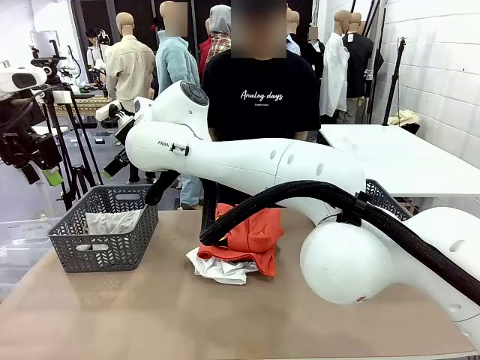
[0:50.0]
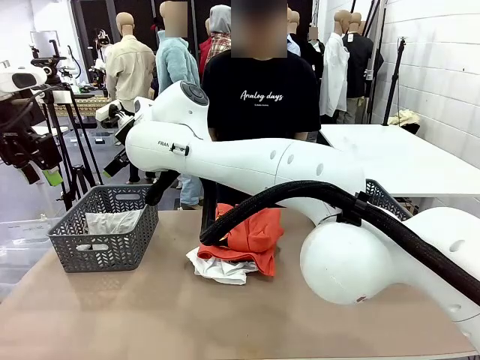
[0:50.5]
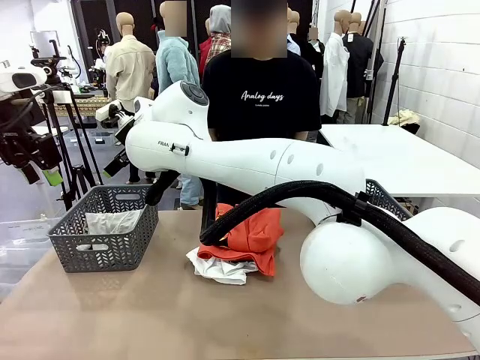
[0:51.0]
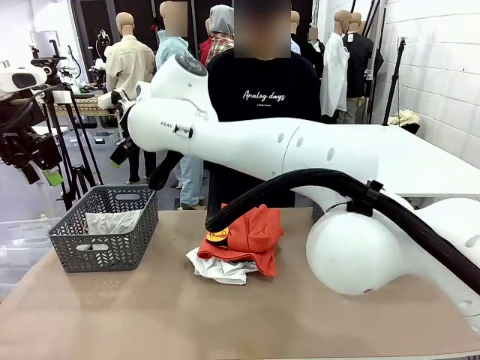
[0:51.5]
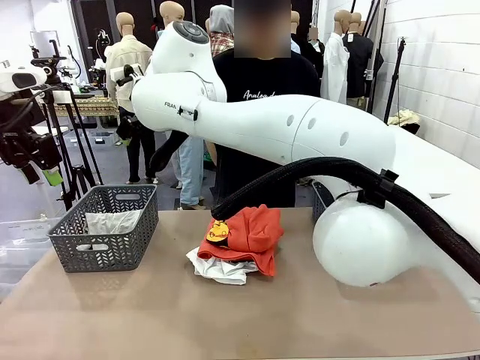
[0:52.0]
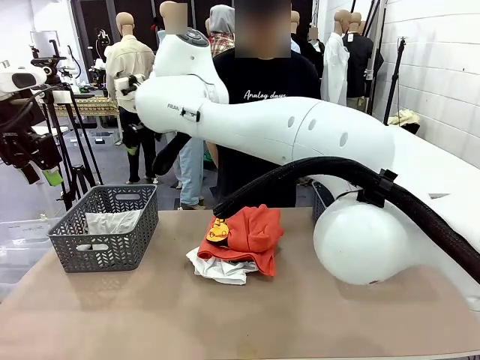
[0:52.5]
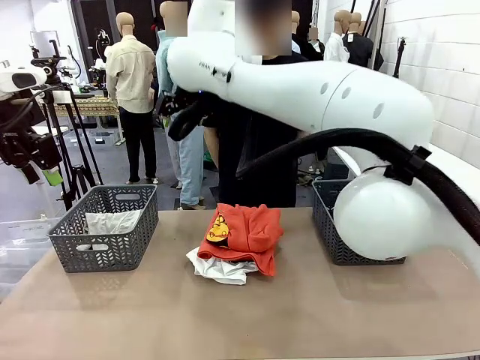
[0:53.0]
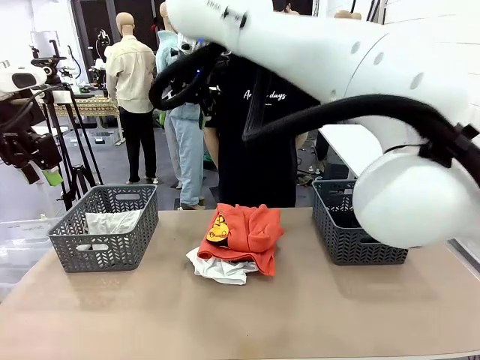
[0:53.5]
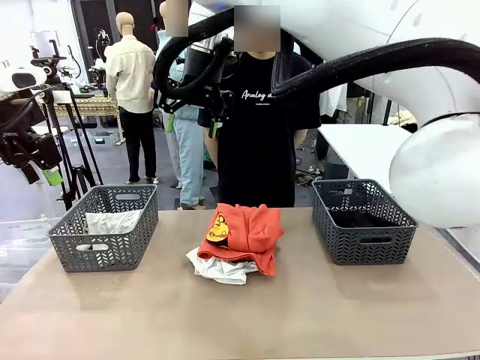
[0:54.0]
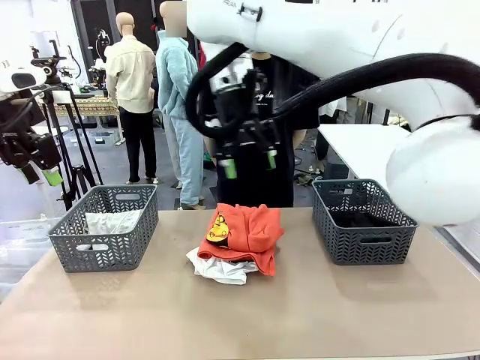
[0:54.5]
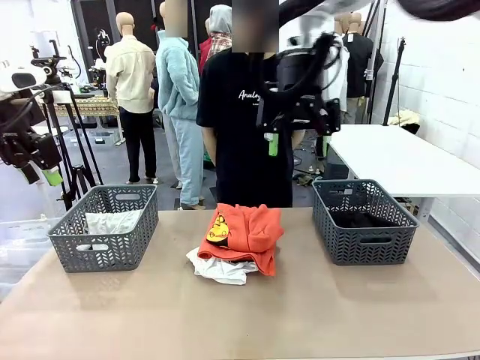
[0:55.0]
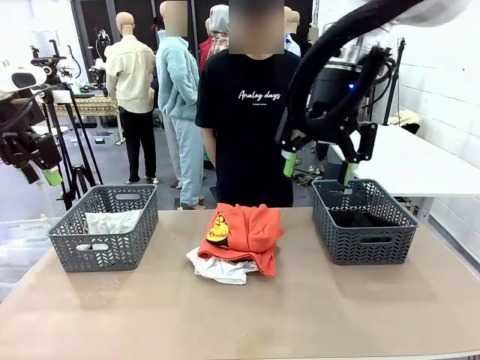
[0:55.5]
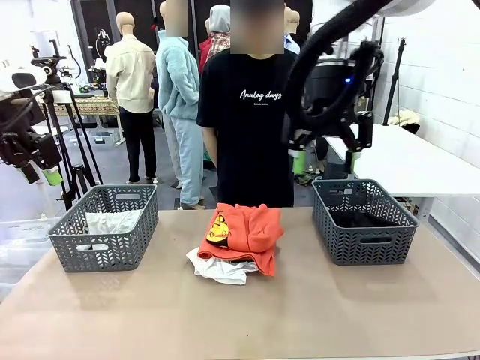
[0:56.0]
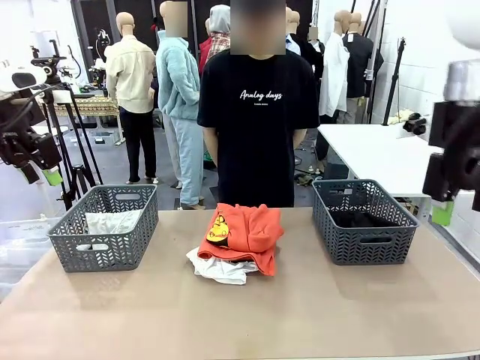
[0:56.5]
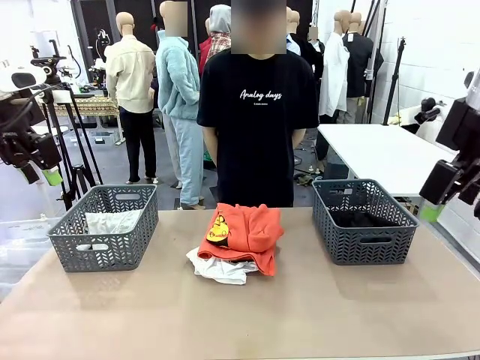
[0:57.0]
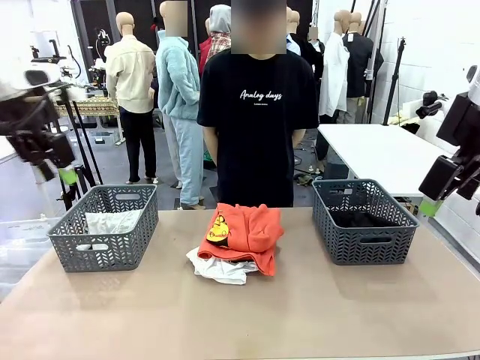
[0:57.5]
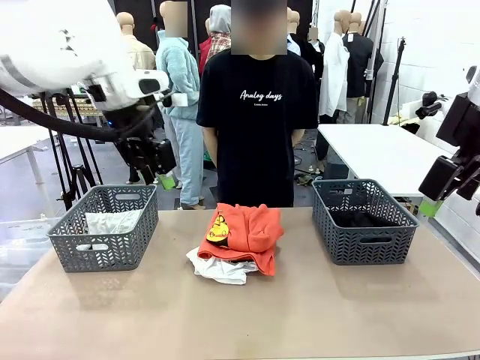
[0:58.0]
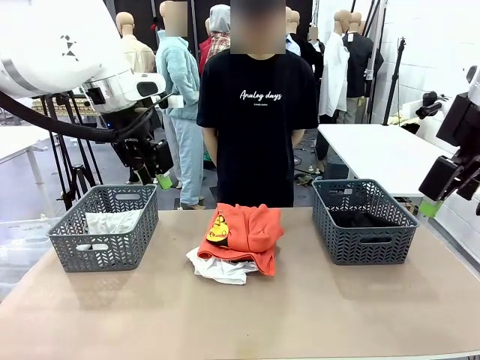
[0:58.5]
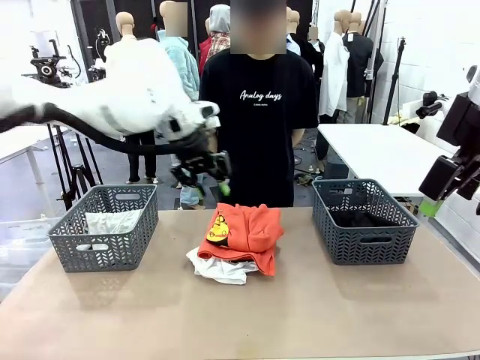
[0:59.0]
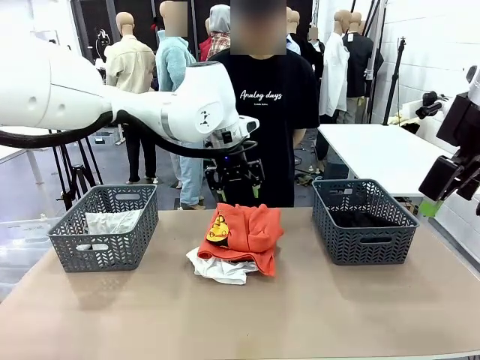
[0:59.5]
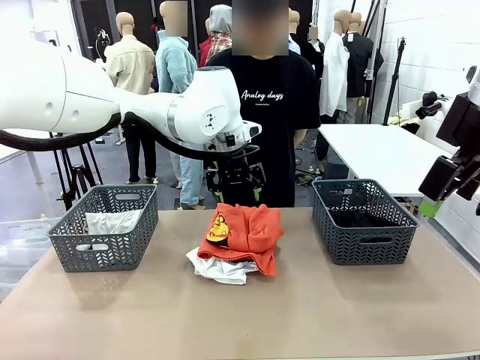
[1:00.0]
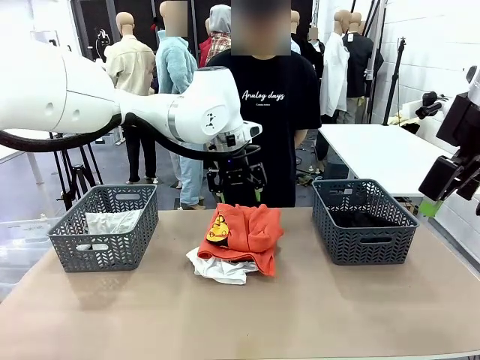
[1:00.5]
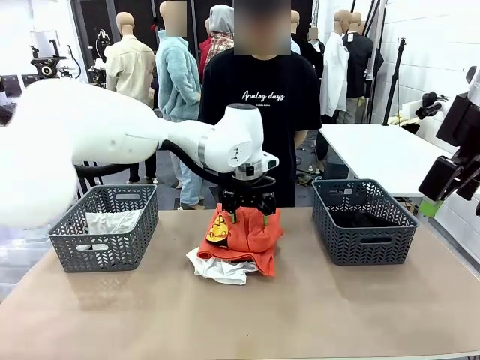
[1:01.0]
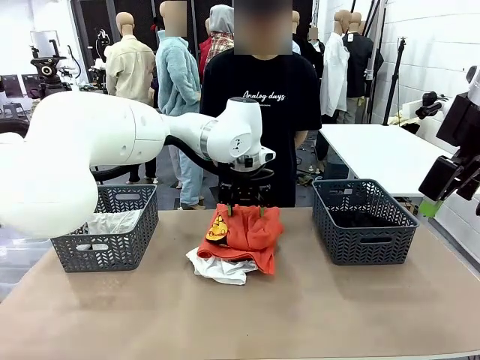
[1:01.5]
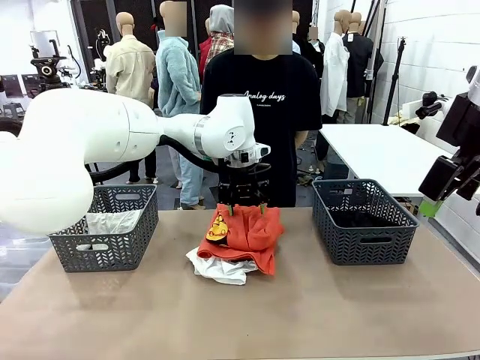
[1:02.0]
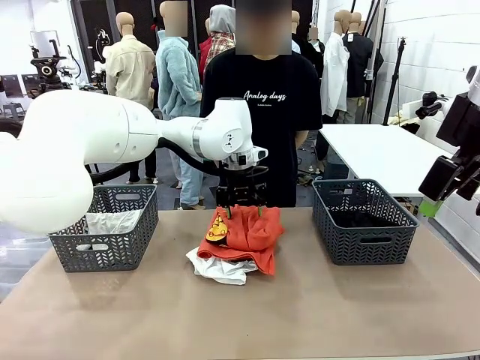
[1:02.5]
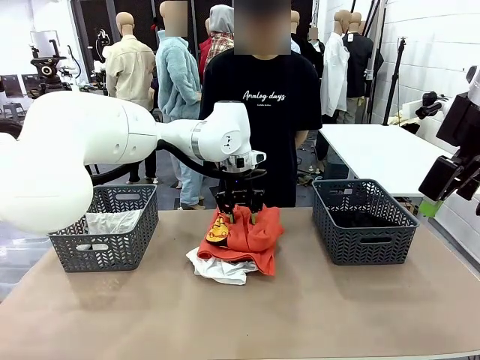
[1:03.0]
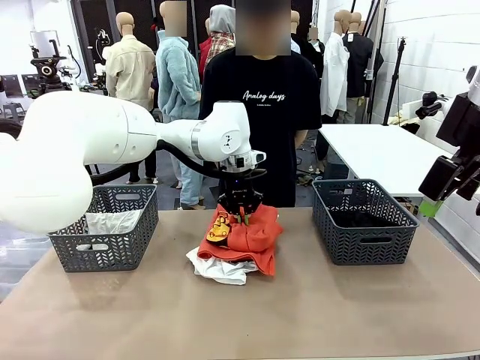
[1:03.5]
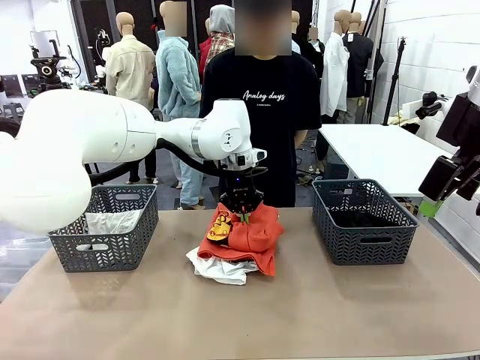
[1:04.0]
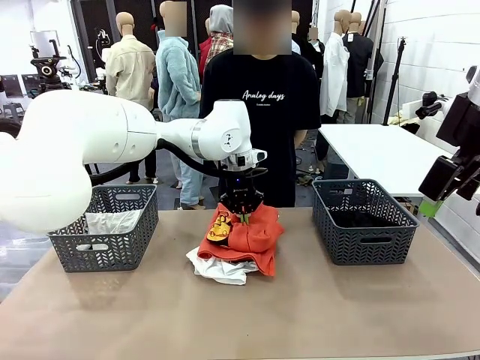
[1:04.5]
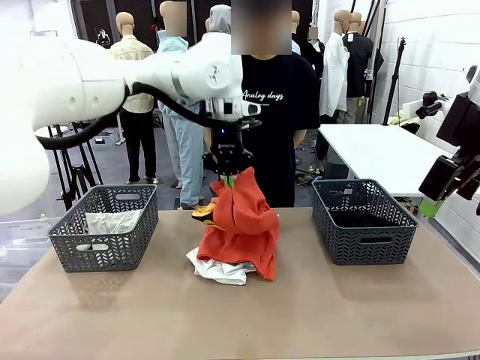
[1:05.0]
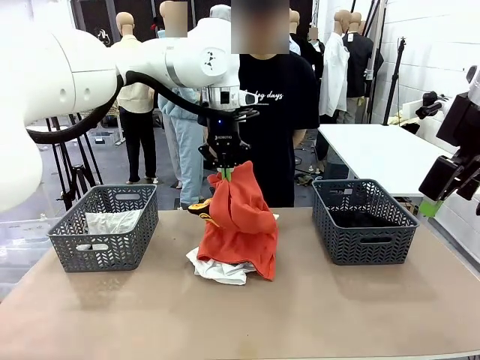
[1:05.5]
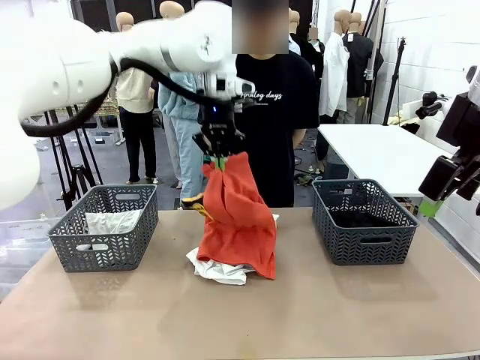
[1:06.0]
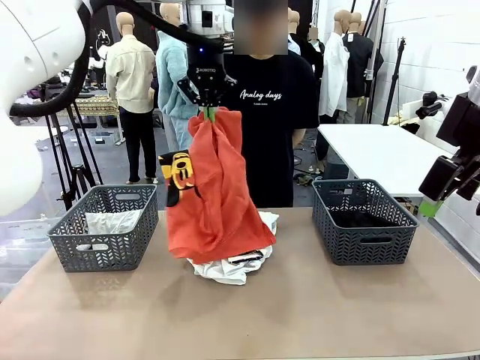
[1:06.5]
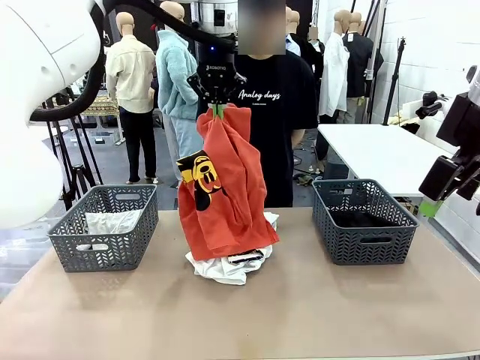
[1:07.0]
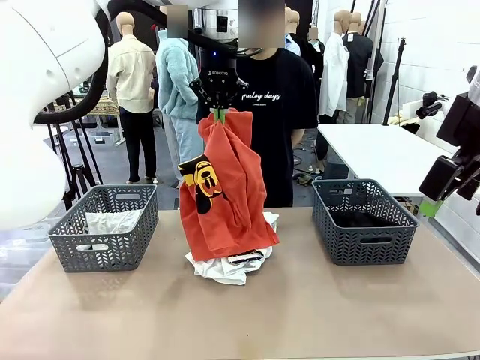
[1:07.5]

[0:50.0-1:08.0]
Task: Sort the tops and bottoms.
Robot: Lift clothes from the center of the table with your left hand.

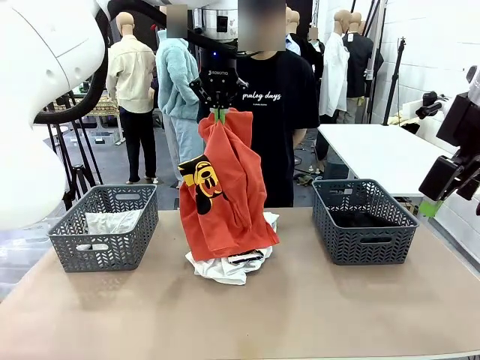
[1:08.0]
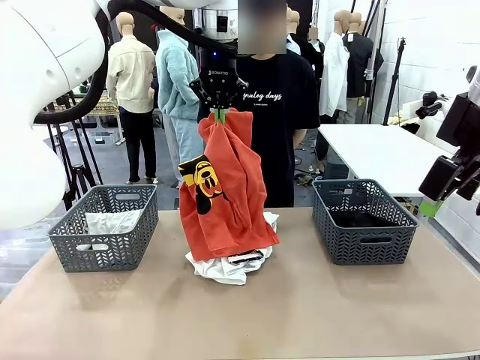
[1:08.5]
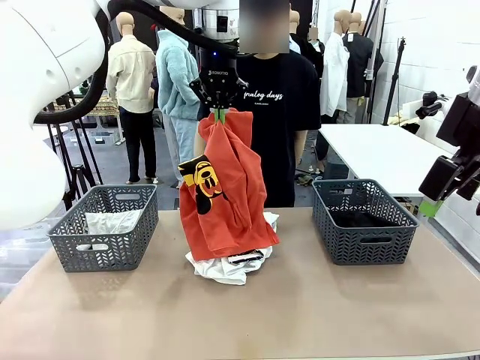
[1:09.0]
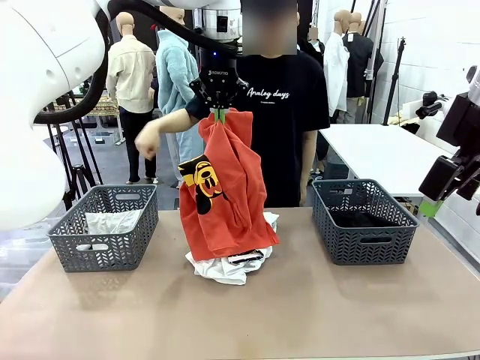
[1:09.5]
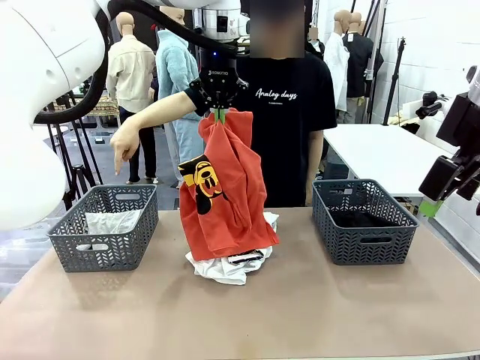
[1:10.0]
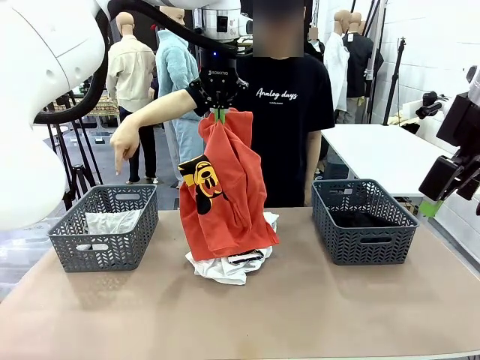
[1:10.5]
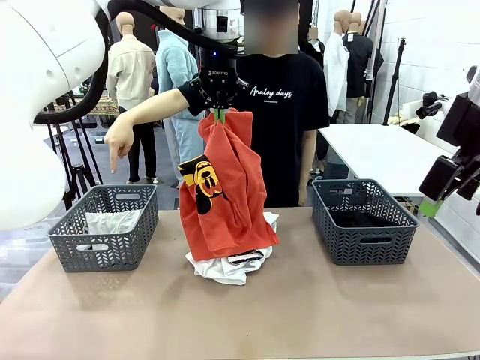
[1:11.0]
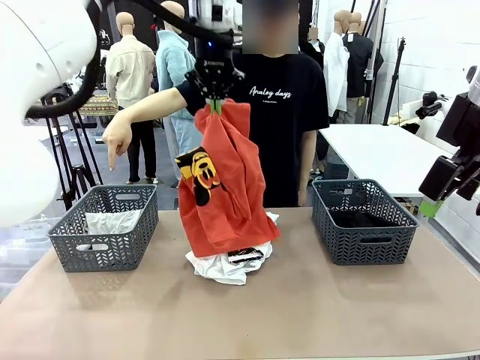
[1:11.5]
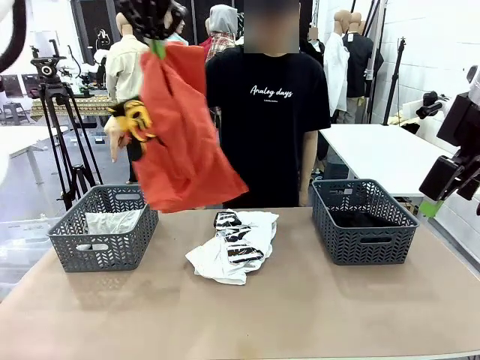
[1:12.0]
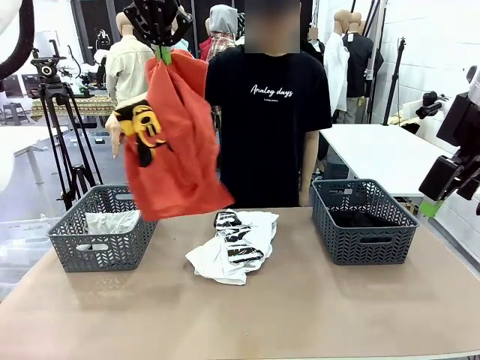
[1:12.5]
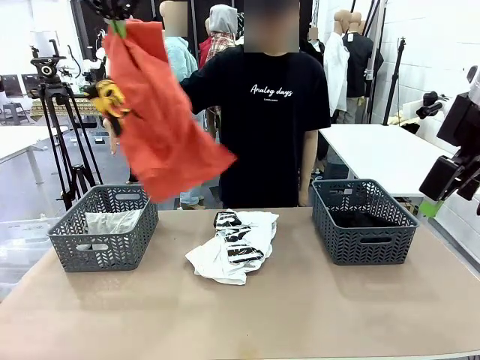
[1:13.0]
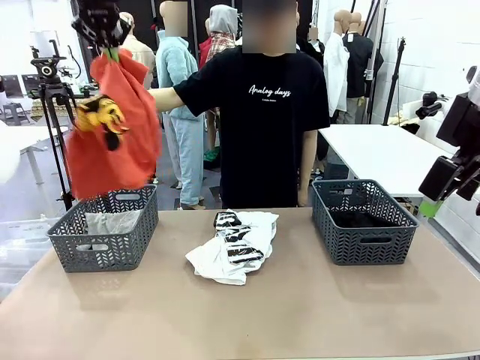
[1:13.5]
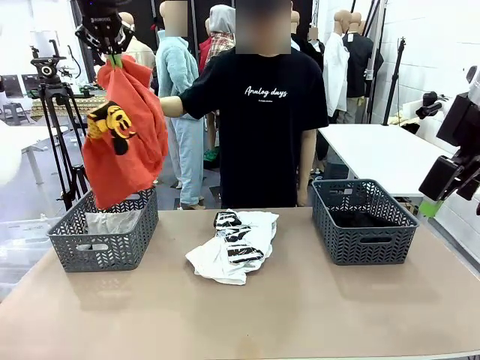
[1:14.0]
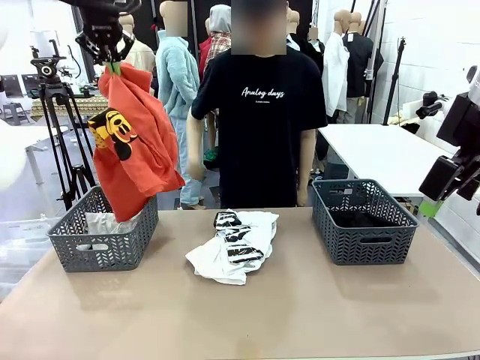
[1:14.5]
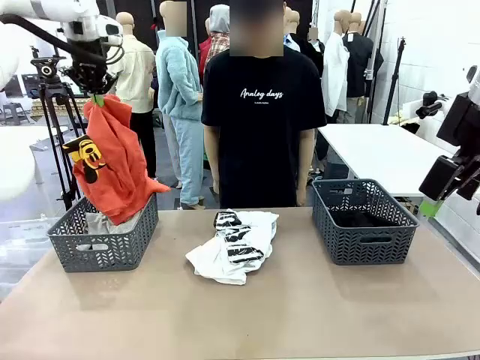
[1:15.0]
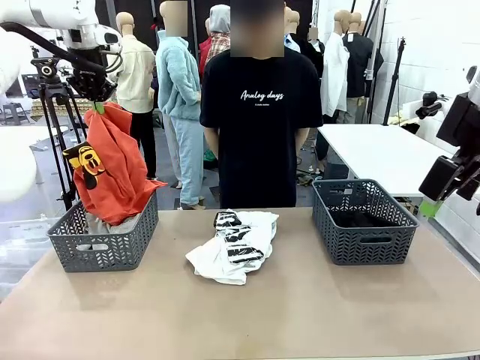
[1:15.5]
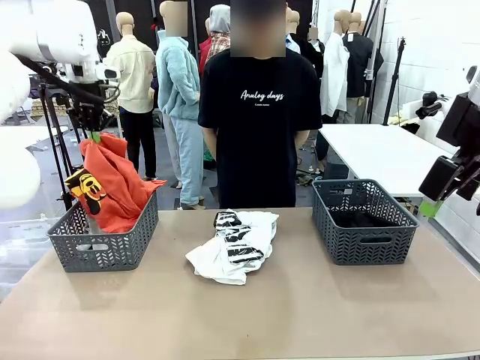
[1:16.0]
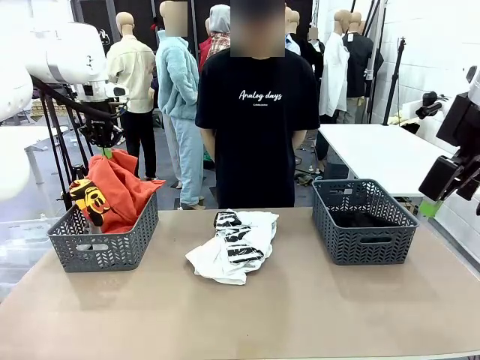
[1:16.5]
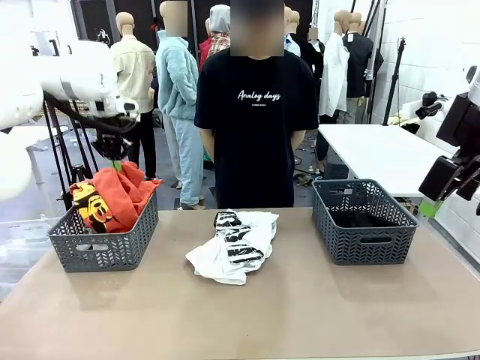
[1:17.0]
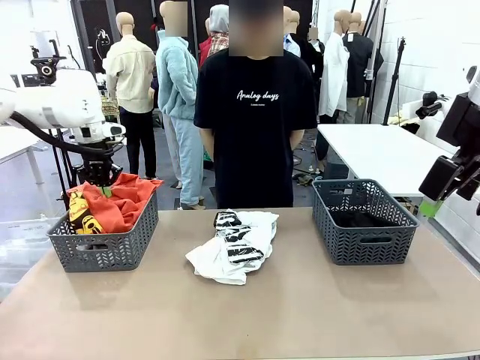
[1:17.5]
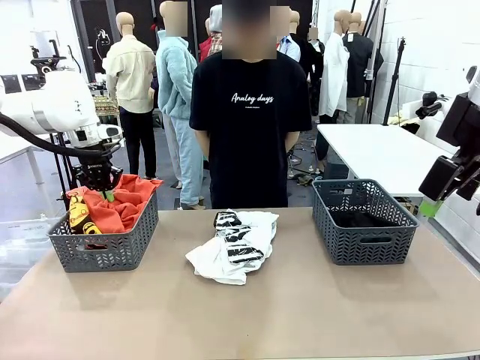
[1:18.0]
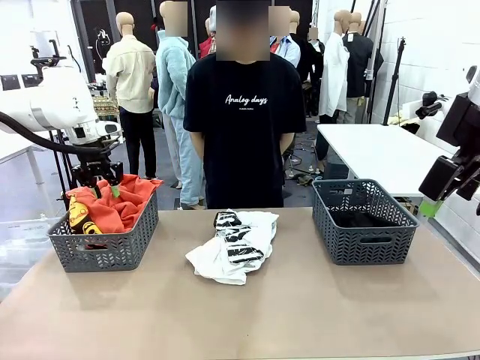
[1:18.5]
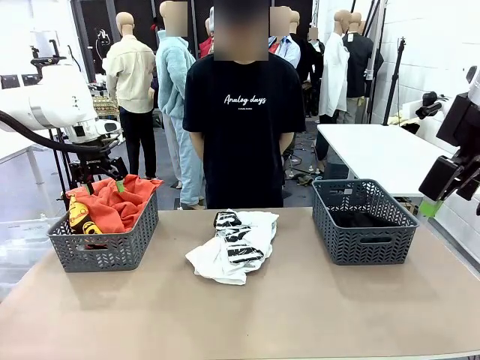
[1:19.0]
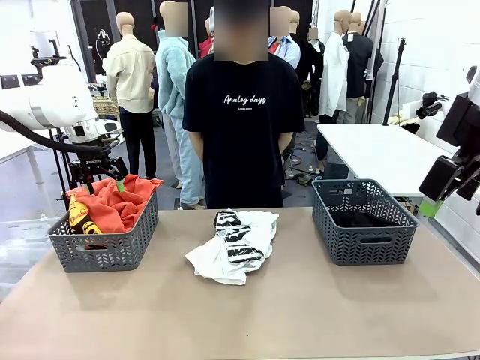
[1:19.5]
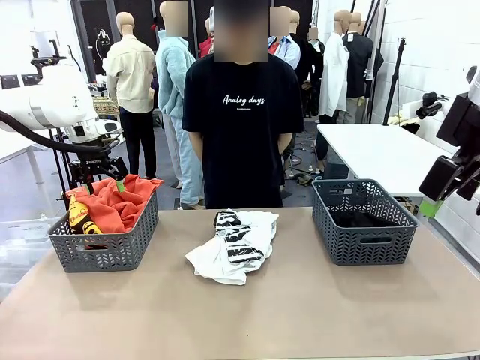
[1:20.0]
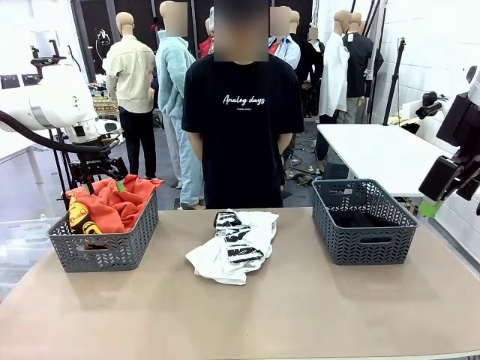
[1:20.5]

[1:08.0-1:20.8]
Robot: Sort the clothes according to human instructions.
